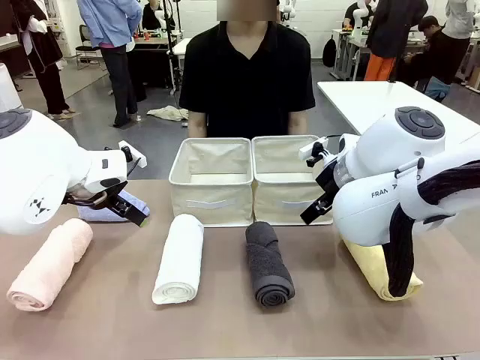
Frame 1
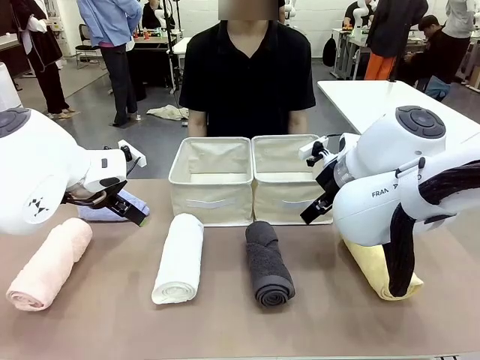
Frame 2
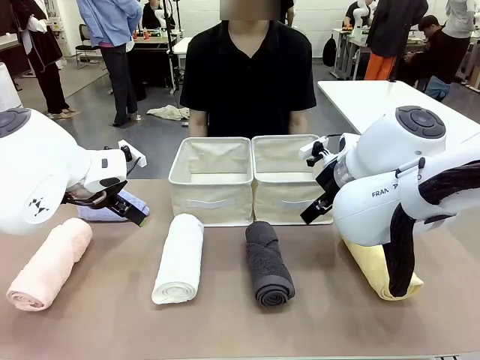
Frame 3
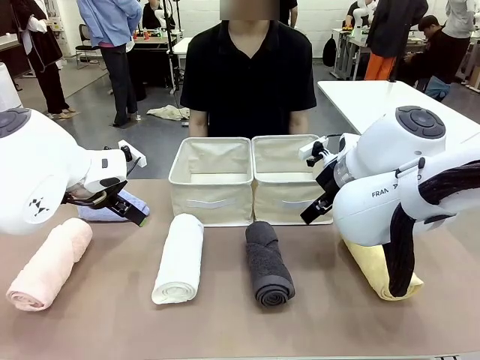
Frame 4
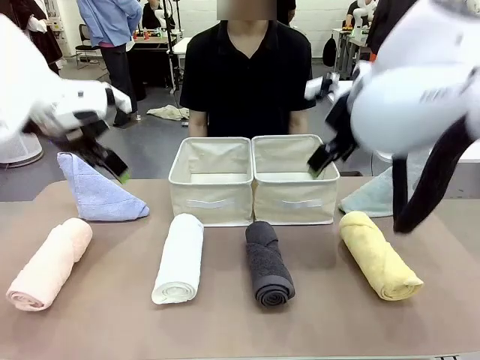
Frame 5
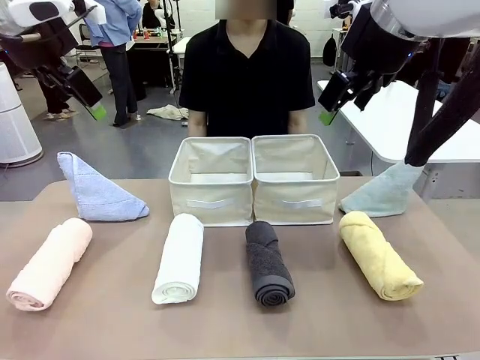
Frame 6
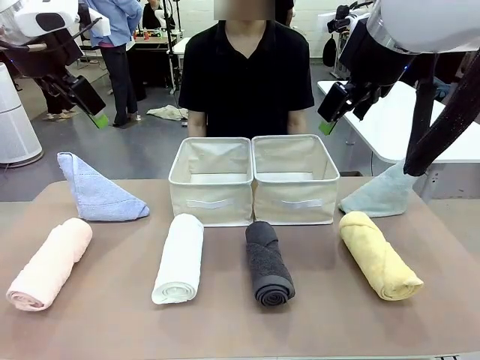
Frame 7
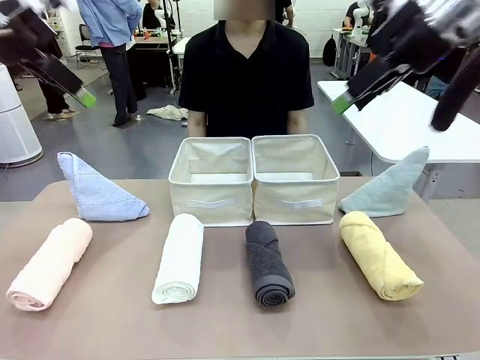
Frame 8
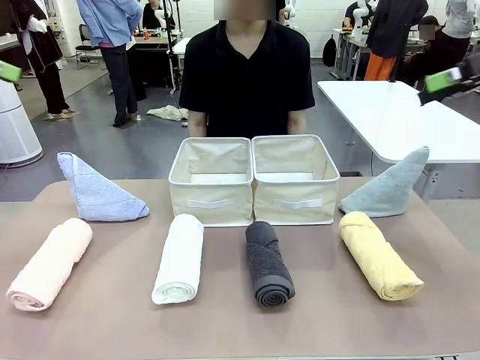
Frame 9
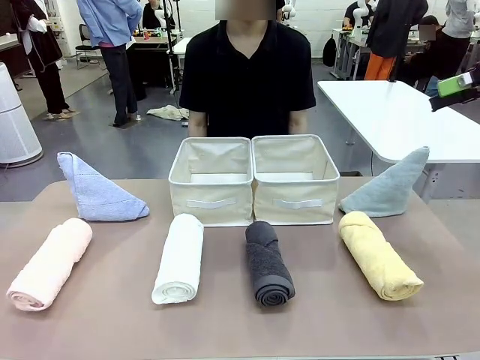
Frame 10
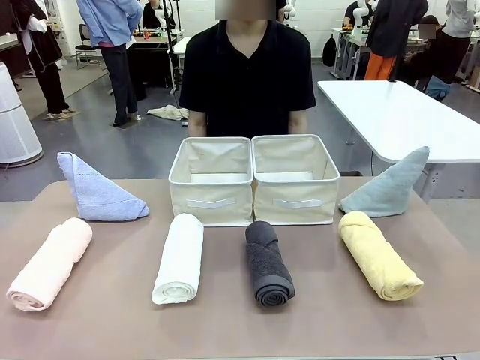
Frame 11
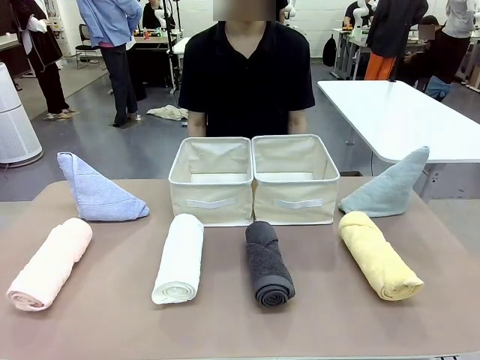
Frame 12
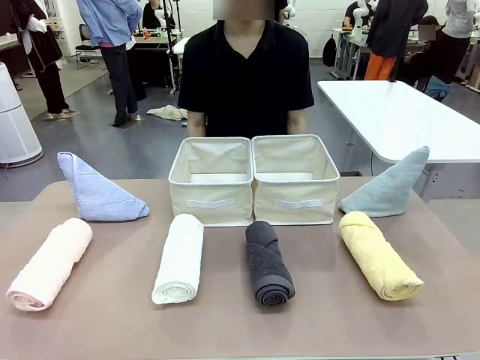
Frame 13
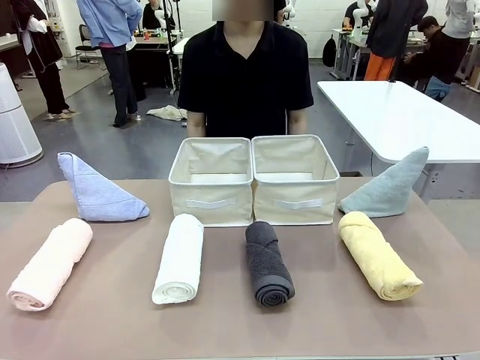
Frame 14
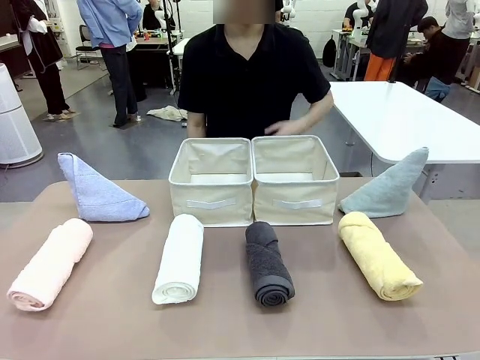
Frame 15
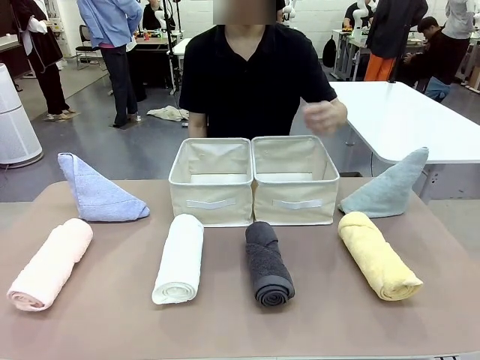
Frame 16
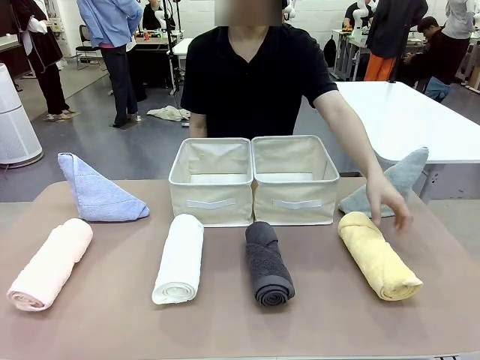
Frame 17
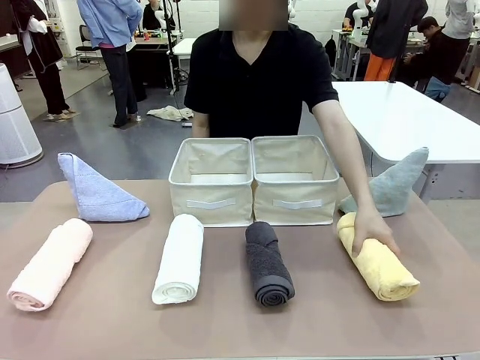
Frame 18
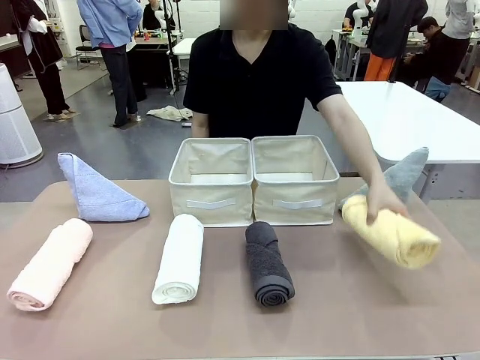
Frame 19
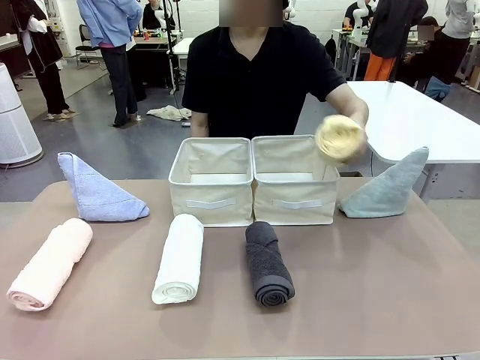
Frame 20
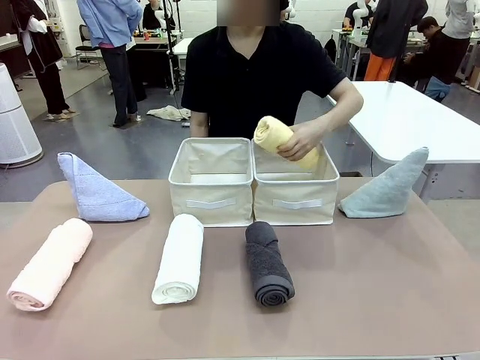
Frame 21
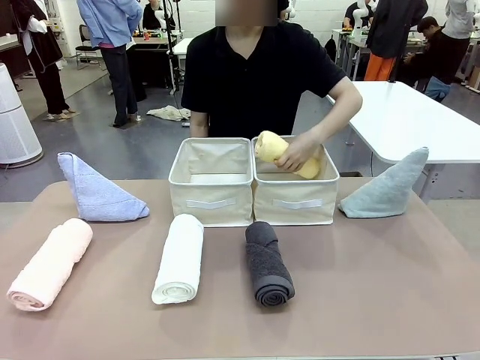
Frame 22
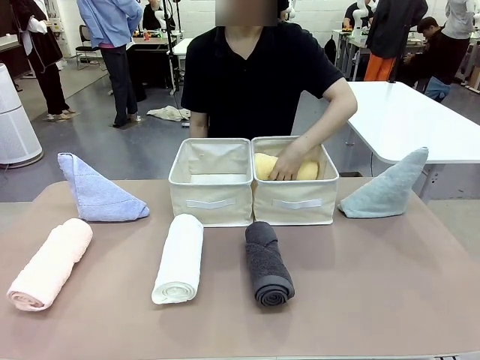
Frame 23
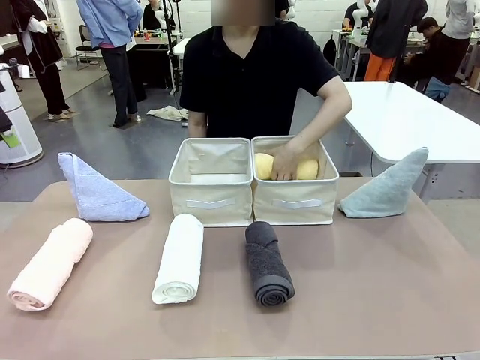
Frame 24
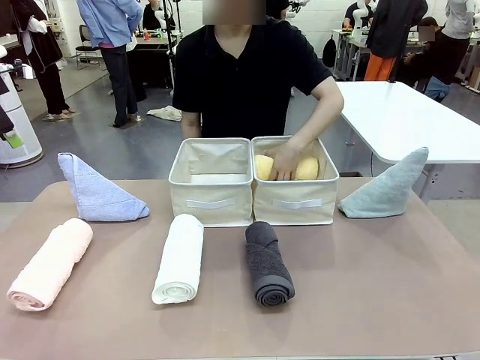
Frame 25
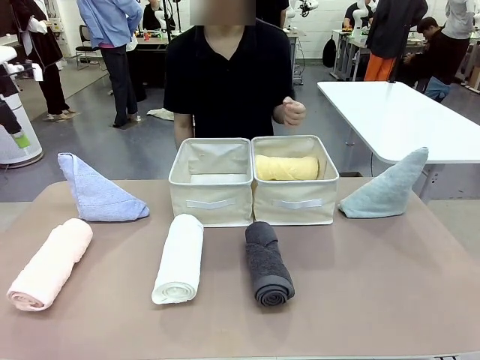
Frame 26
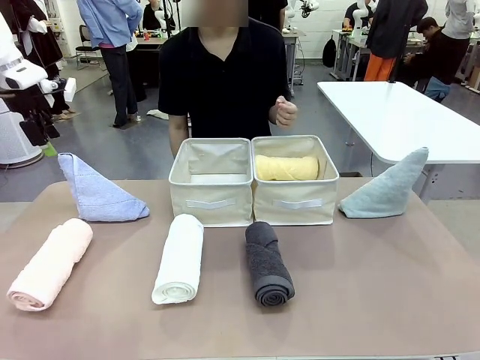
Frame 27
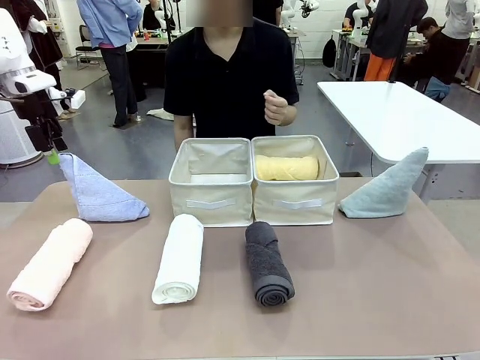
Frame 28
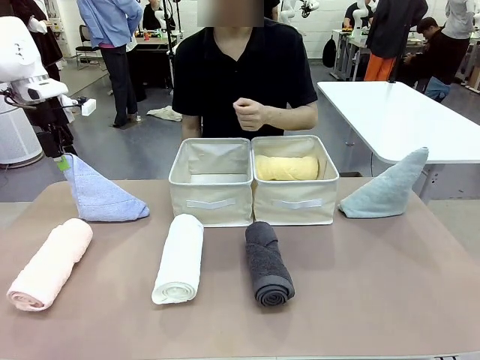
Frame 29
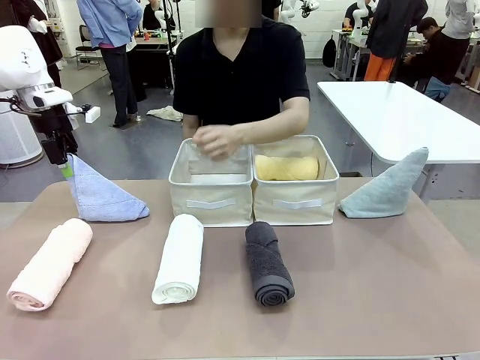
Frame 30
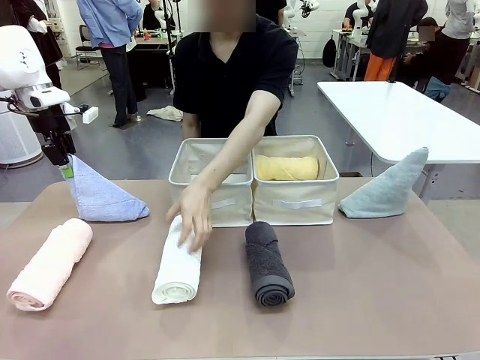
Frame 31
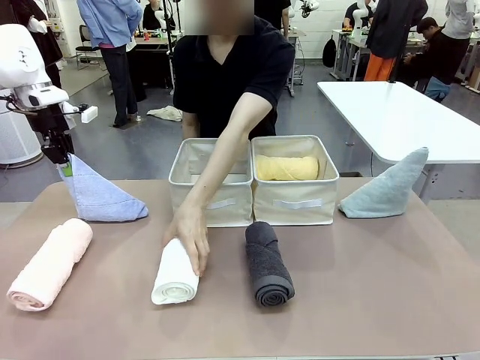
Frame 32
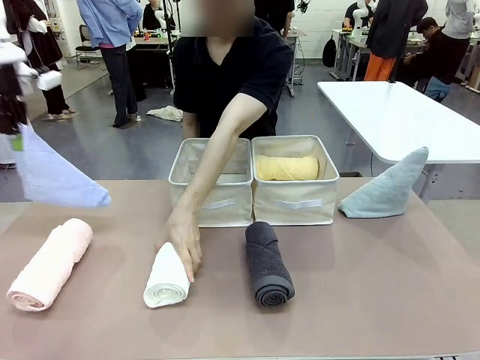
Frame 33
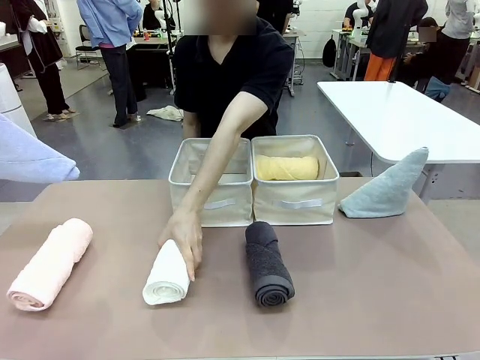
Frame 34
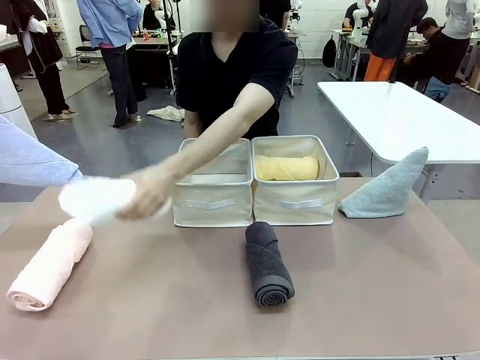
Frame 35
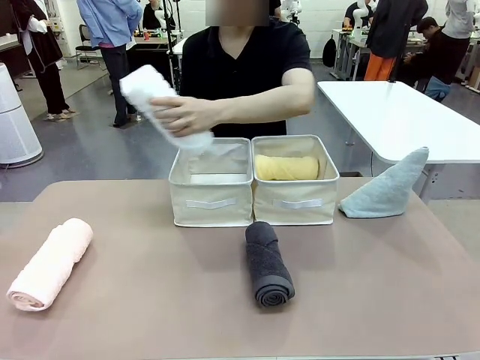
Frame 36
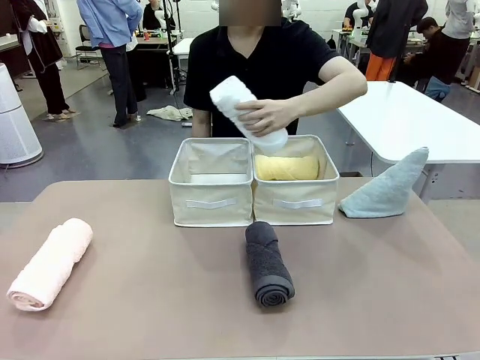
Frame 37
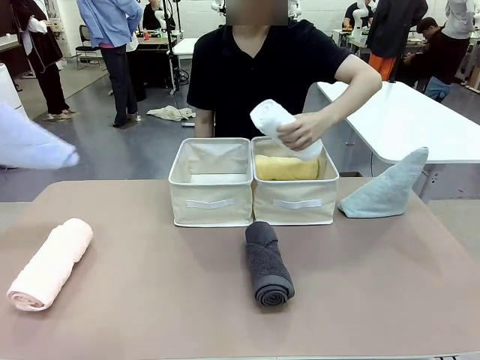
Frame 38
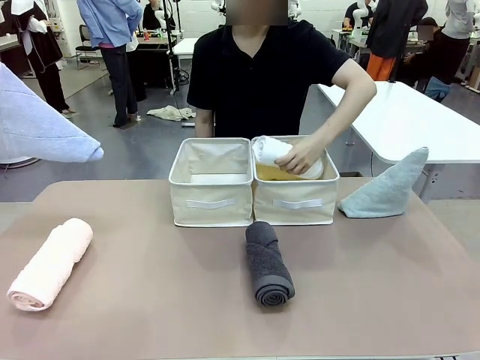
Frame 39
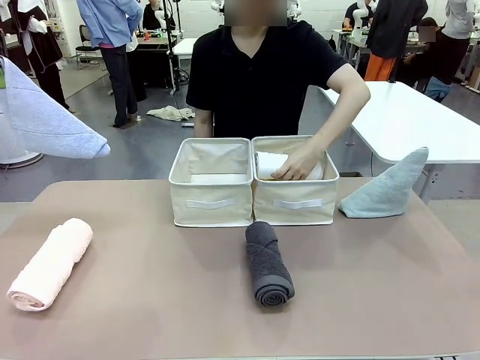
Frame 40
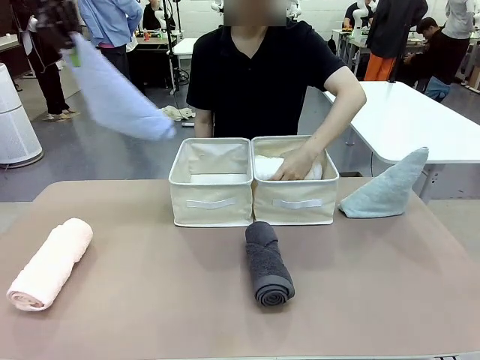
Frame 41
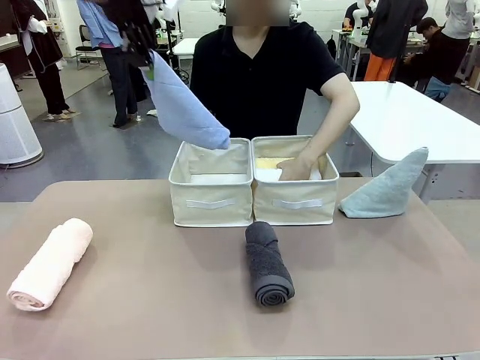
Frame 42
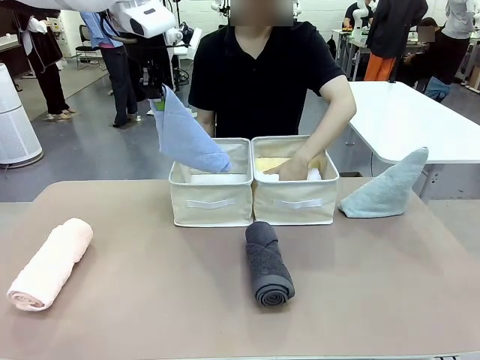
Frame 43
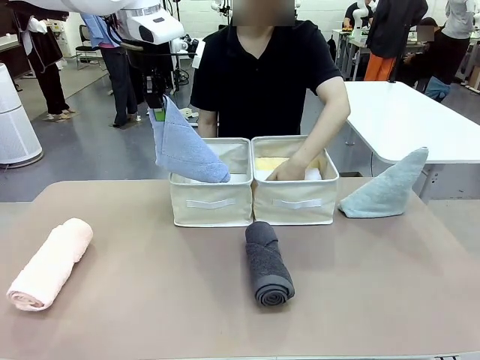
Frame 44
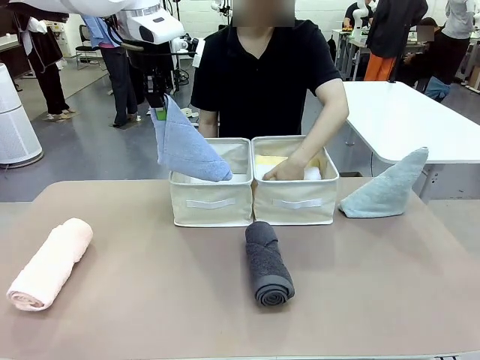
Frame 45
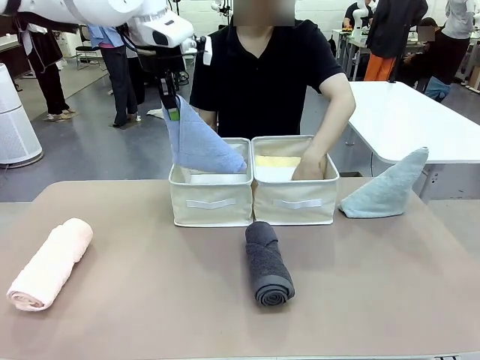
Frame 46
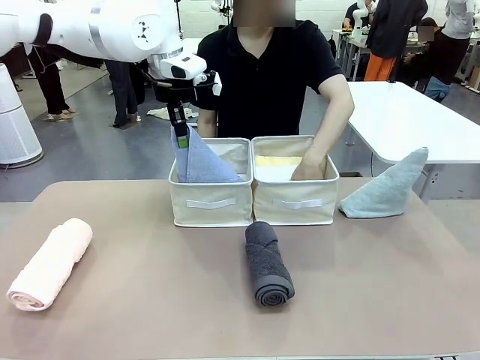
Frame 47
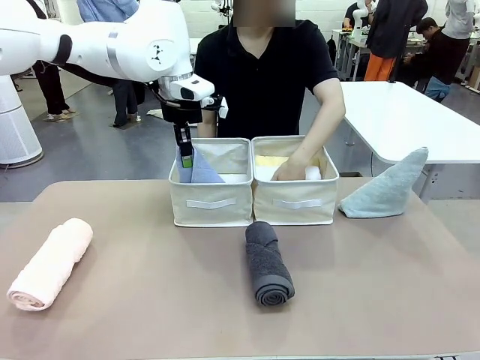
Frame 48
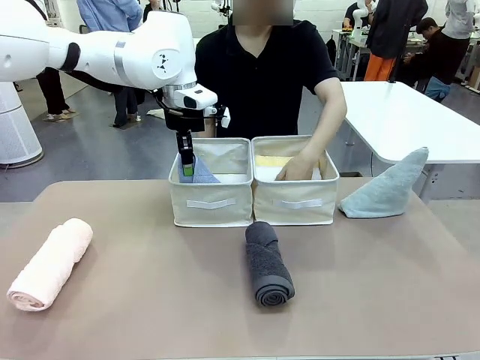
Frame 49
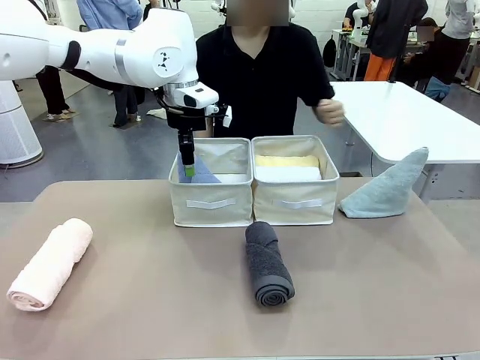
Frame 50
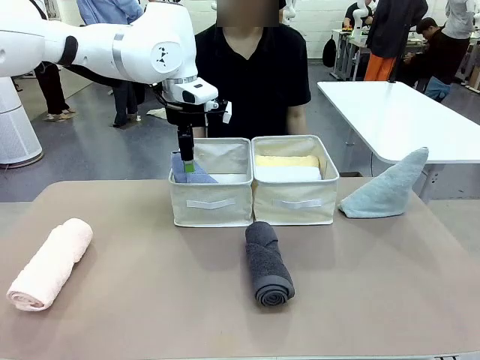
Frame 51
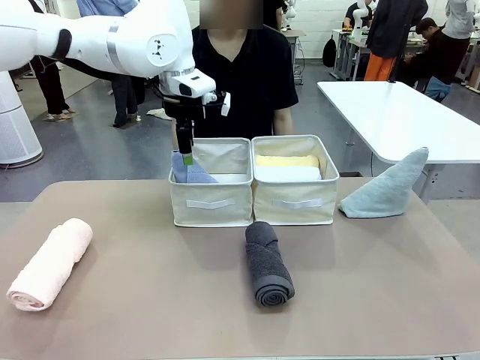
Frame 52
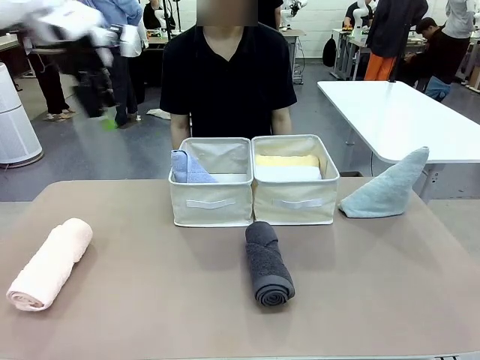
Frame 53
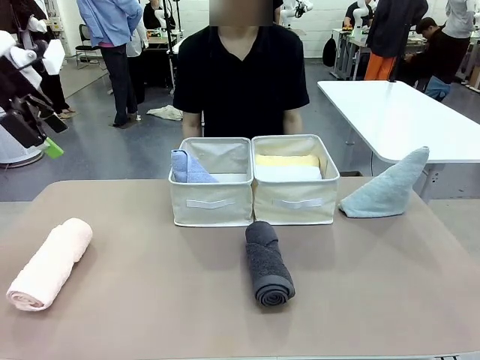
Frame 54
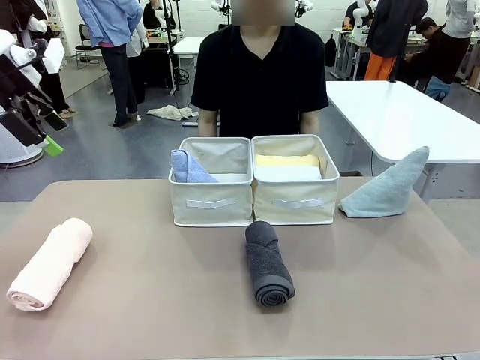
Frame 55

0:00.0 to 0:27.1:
Task: Sort the towels based on their folding style.
Robot: Pick up one triangle-folded towel and place it in the left Fabric basket.
Person: Pick up one hotel-style rolled towel and place it in the left fabric basket.
